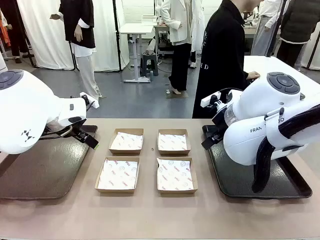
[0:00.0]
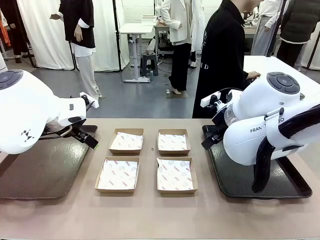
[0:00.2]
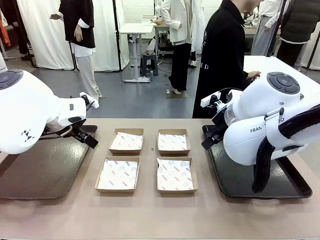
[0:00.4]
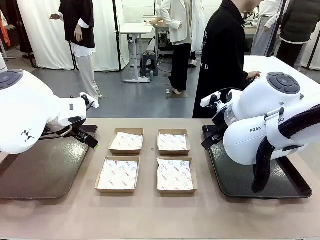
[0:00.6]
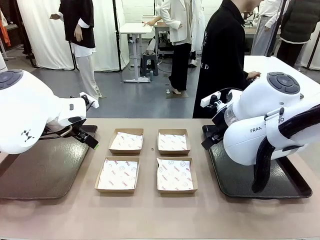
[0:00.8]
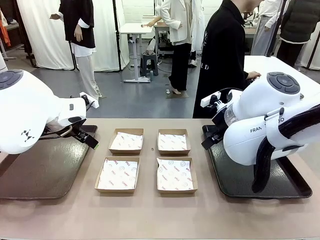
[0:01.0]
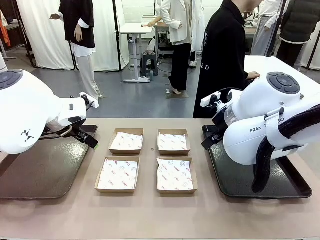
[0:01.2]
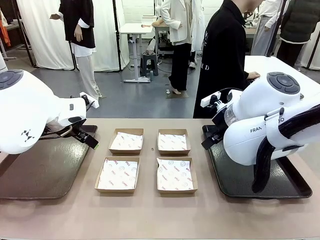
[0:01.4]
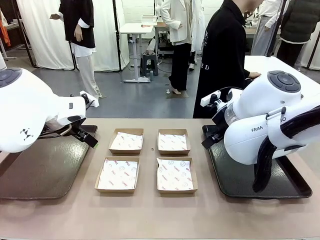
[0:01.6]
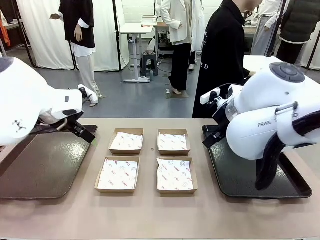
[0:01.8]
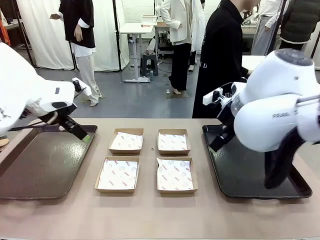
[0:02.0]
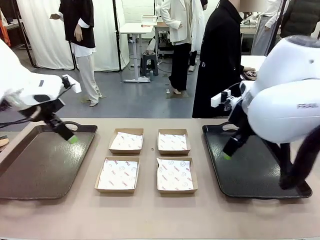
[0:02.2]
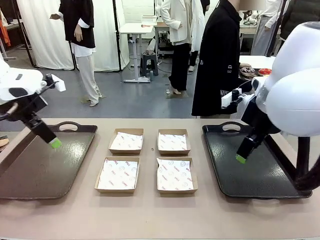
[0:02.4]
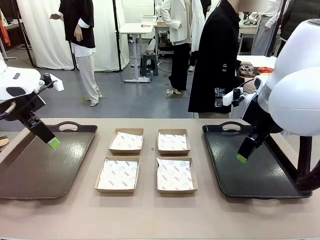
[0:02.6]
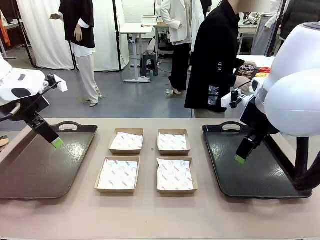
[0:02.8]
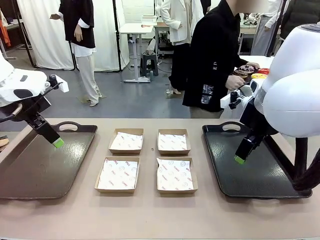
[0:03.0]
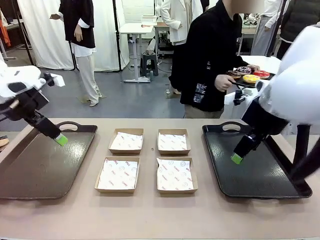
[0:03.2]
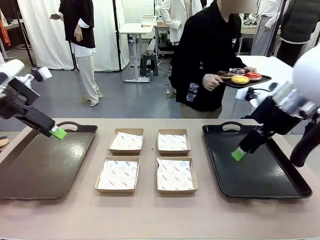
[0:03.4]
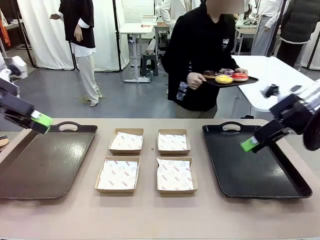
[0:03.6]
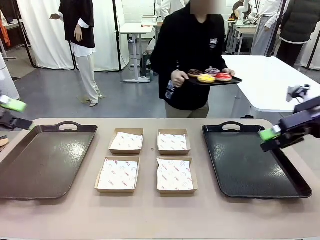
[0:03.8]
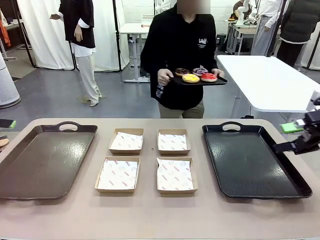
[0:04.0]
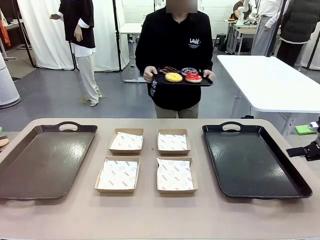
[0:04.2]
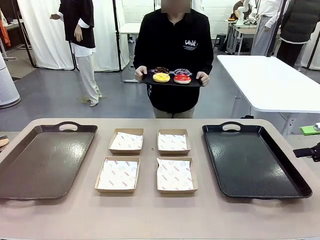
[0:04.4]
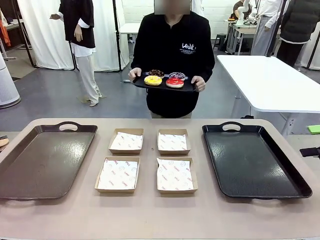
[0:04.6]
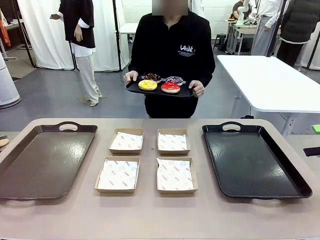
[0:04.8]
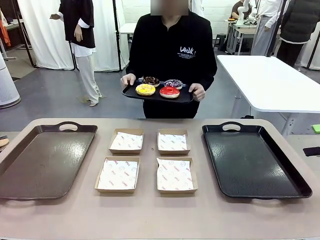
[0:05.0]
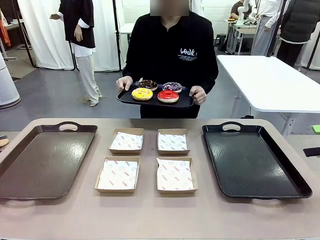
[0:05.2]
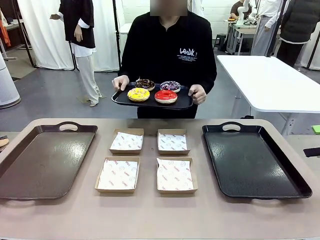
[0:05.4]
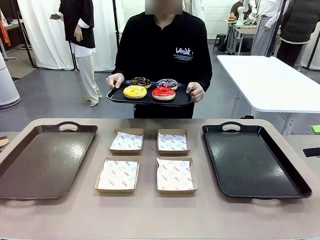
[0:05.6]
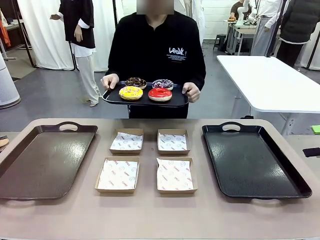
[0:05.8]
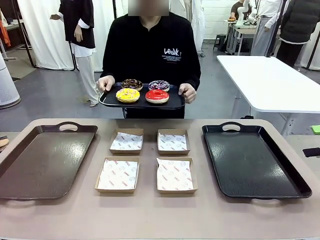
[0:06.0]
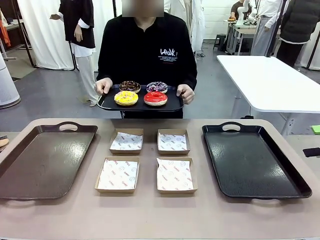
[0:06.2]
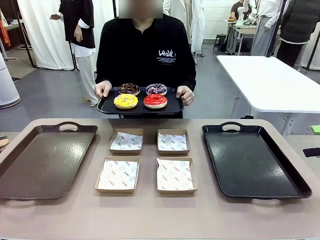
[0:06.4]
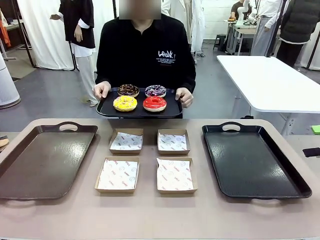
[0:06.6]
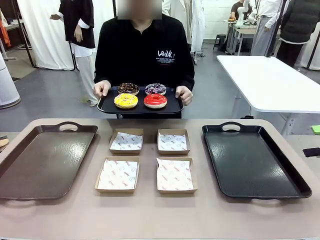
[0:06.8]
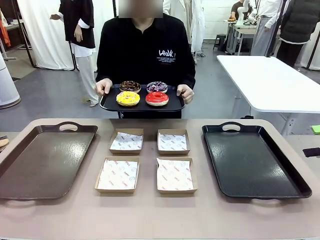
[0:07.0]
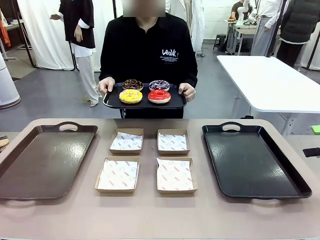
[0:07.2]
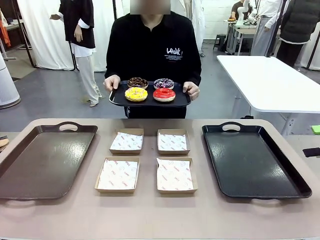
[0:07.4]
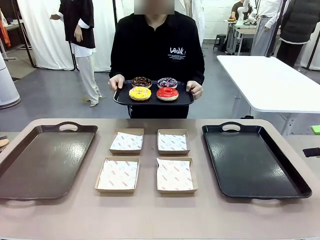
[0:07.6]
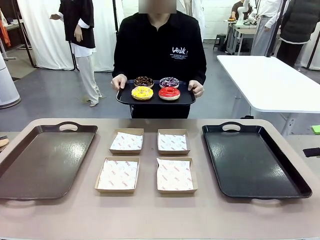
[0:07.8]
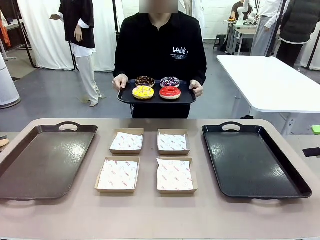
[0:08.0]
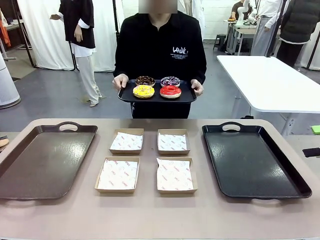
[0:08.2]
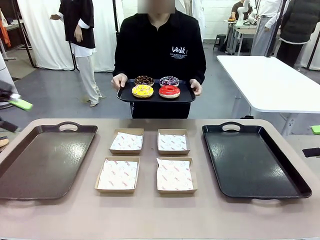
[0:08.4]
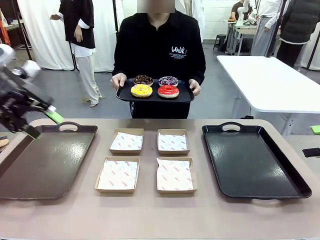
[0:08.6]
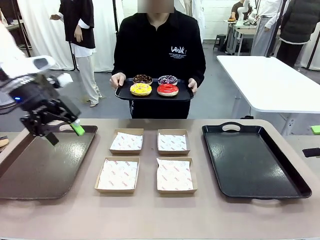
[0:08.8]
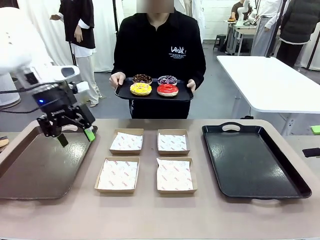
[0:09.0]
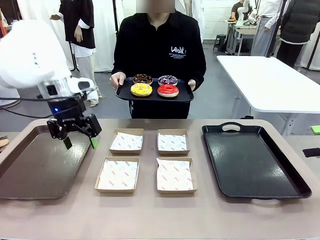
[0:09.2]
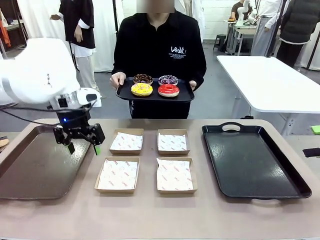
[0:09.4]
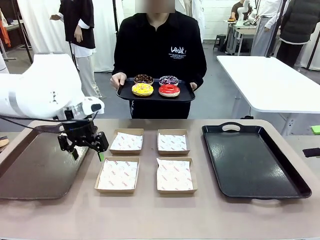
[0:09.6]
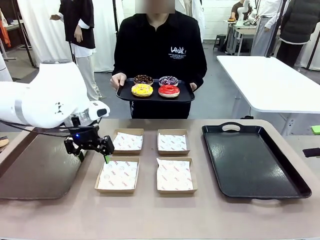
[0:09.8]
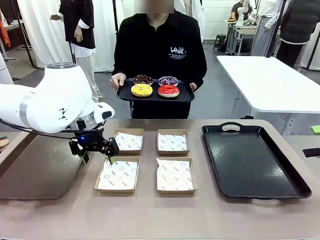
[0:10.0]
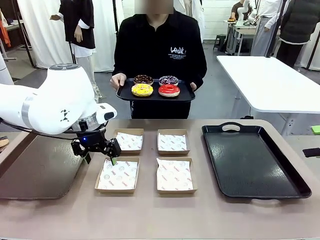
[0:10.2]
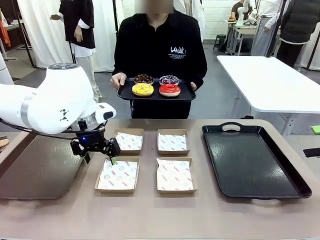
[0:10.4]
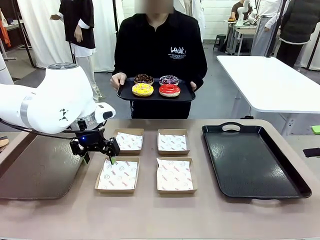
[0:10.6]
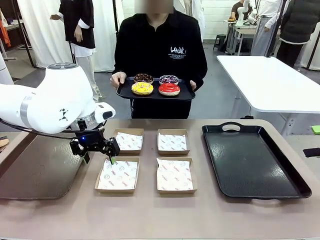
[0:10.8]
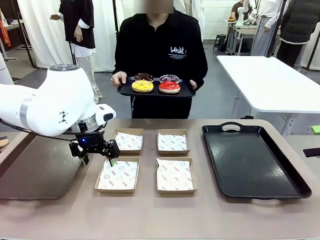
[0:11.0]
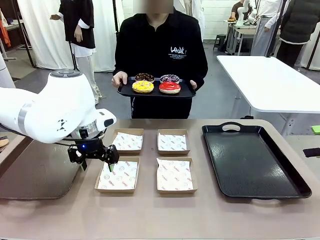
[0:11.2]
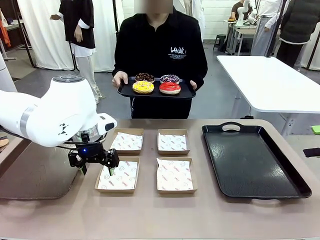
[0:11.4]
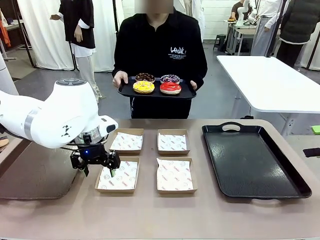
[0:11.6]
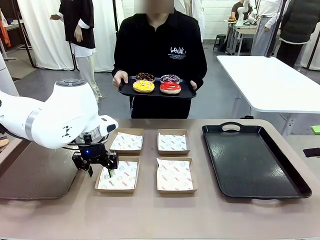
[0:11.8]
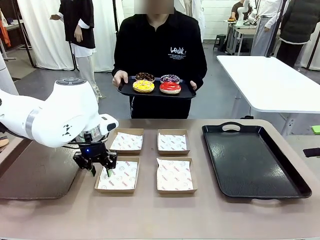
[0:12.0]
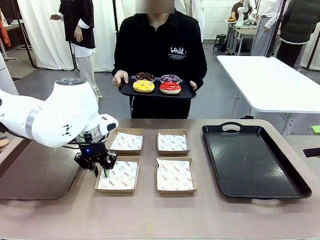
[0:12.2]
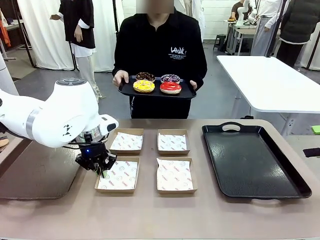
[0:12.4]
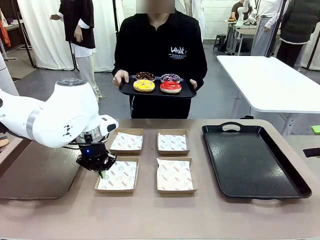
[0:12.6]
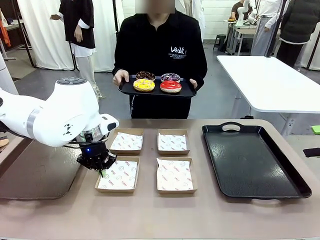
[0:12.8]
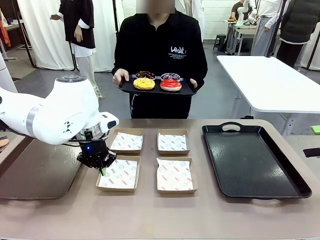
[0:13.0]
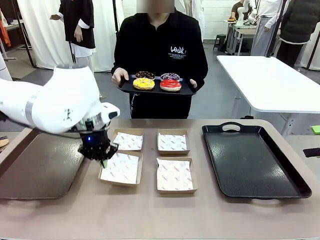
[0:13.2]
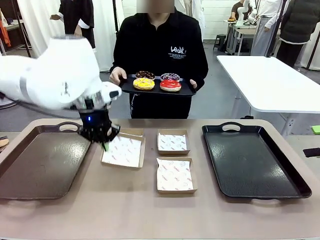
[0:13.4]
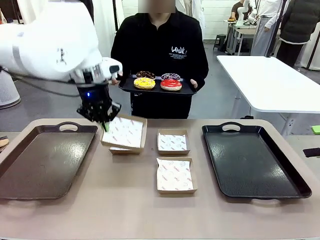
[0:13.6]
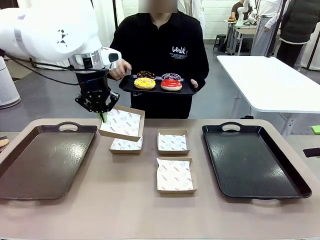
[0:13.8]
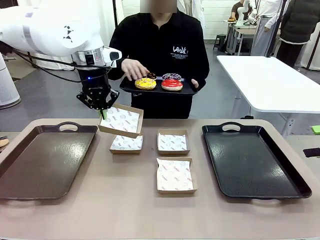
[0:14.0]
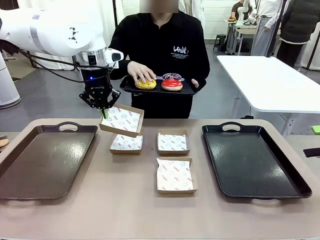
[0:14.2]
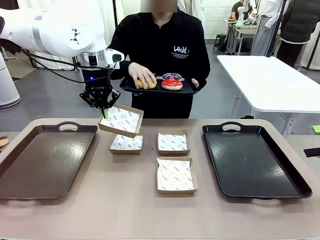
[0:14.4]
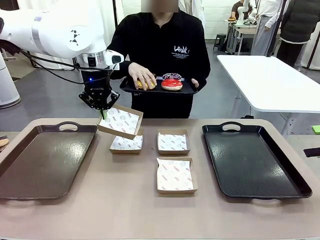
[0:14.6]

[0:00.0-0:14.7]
Task: Individually package the donuts and arrange them on the tray.
Robot: Pick up one Paper togo box.
Person: Stand in front of the robot table holding the tray containing the donuts.
